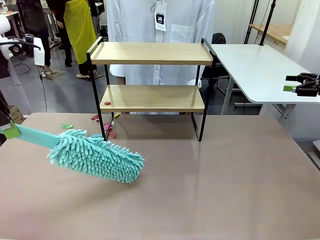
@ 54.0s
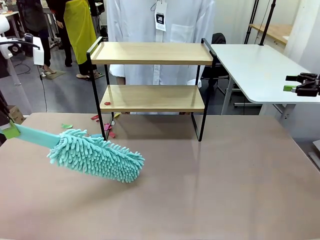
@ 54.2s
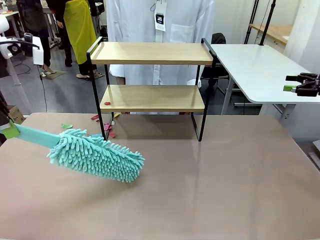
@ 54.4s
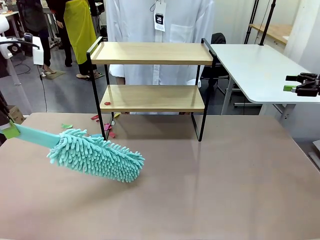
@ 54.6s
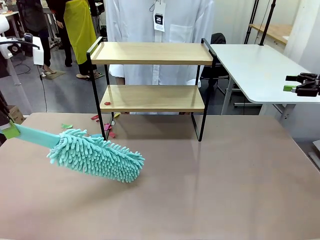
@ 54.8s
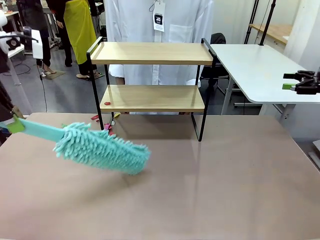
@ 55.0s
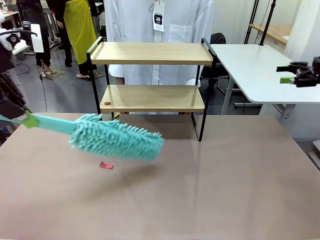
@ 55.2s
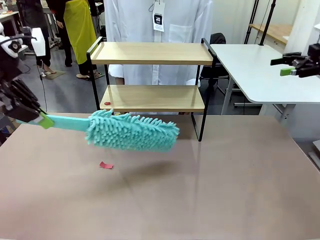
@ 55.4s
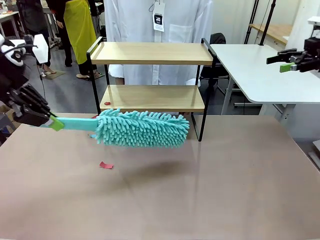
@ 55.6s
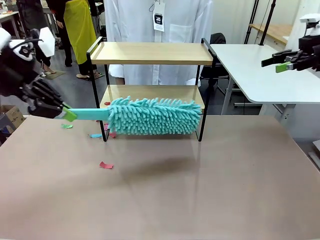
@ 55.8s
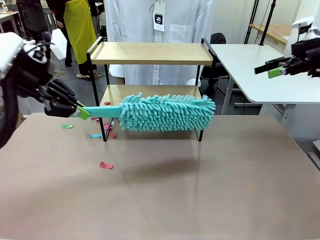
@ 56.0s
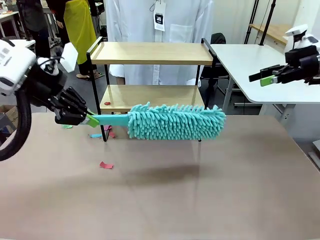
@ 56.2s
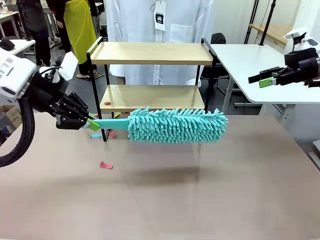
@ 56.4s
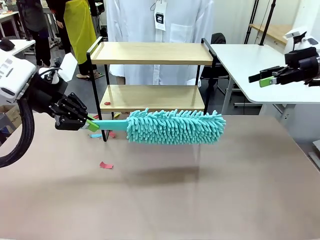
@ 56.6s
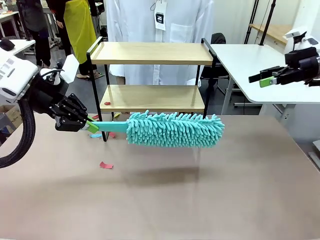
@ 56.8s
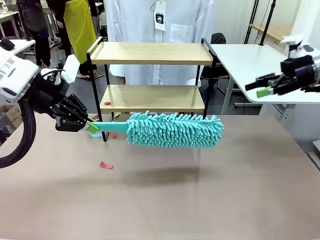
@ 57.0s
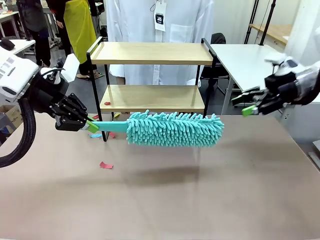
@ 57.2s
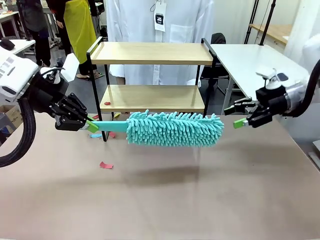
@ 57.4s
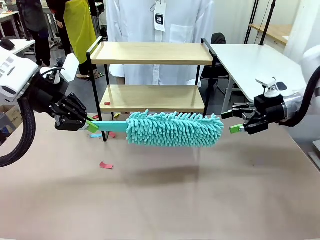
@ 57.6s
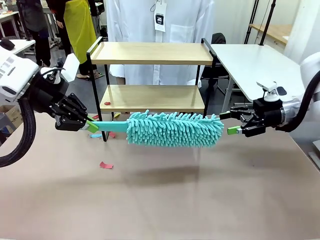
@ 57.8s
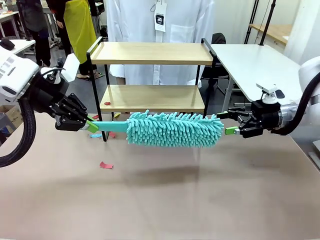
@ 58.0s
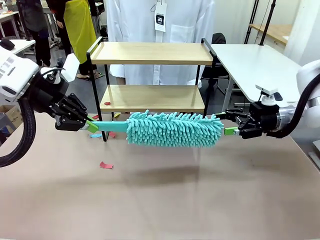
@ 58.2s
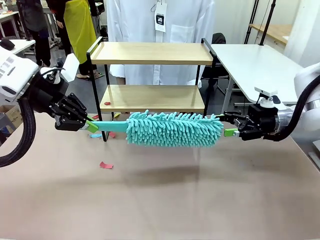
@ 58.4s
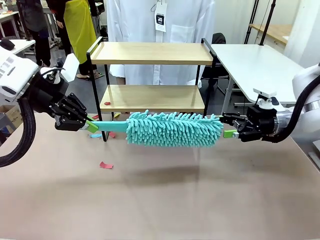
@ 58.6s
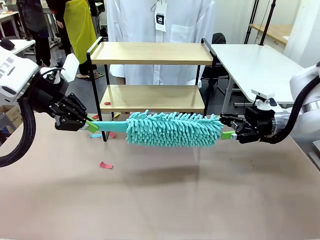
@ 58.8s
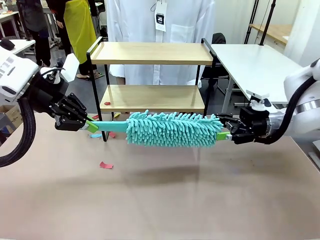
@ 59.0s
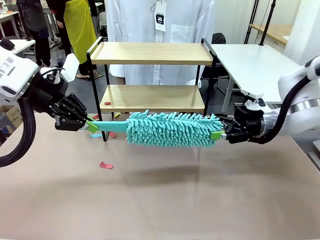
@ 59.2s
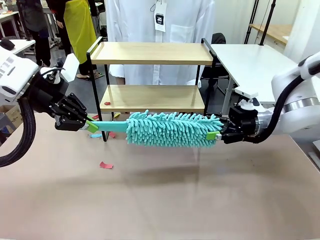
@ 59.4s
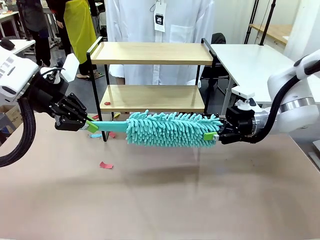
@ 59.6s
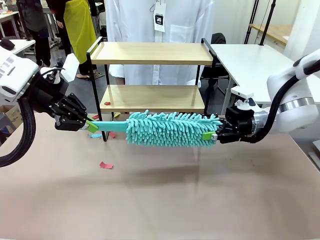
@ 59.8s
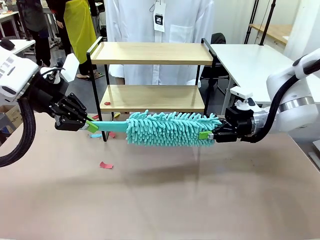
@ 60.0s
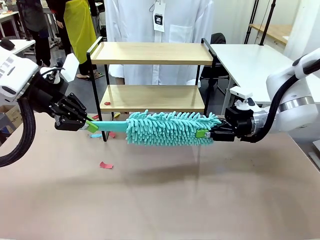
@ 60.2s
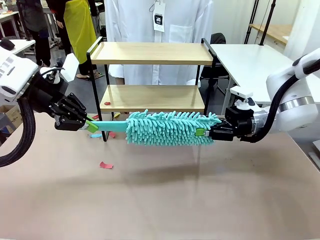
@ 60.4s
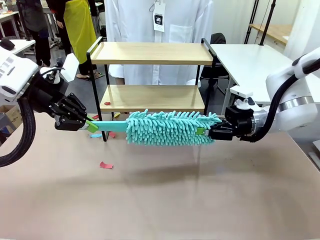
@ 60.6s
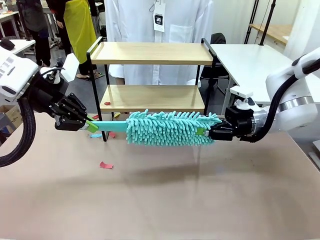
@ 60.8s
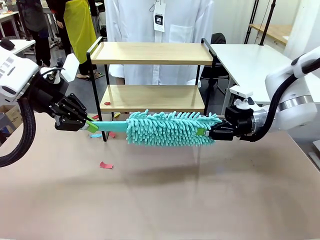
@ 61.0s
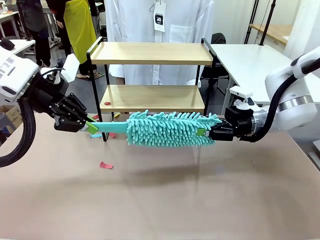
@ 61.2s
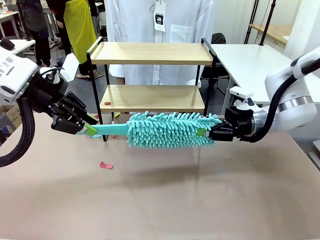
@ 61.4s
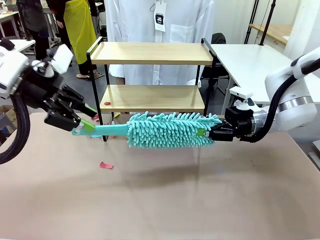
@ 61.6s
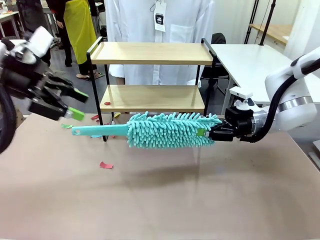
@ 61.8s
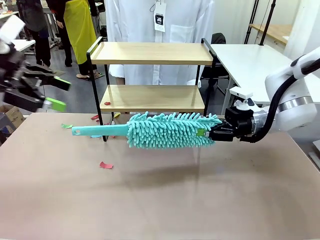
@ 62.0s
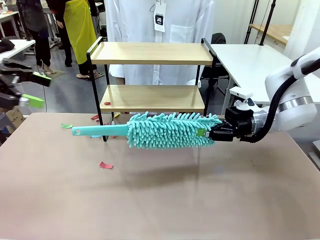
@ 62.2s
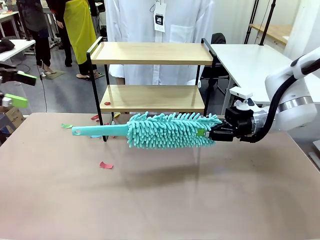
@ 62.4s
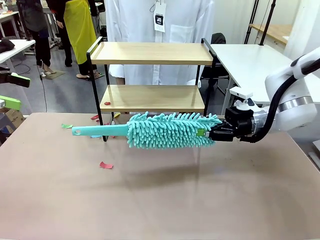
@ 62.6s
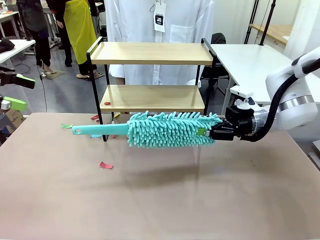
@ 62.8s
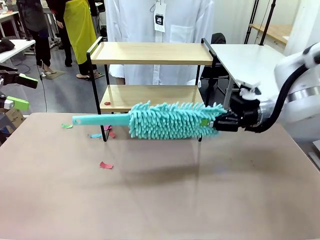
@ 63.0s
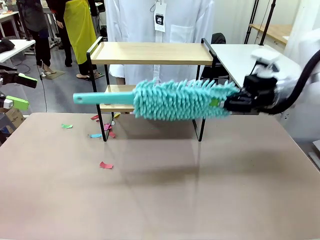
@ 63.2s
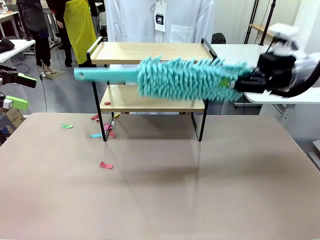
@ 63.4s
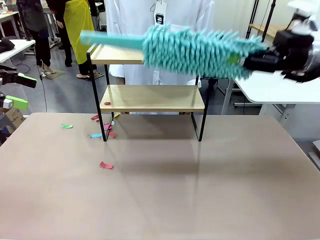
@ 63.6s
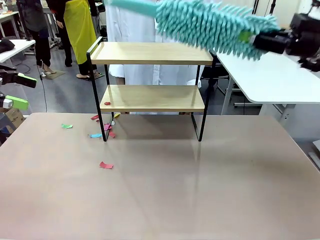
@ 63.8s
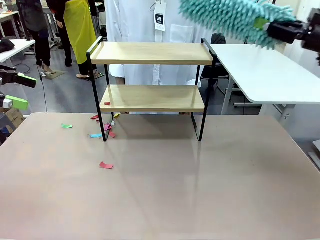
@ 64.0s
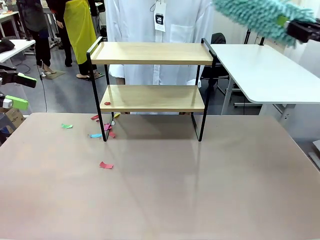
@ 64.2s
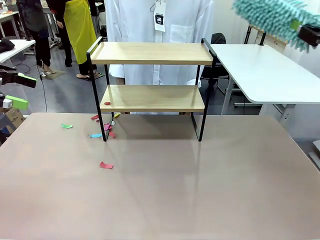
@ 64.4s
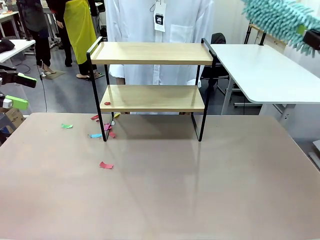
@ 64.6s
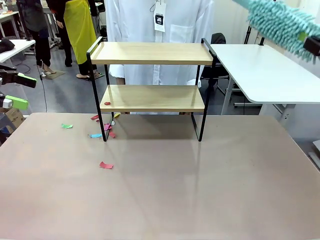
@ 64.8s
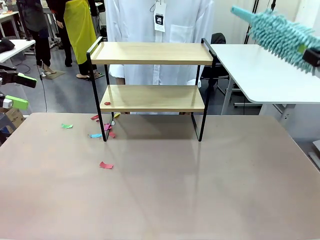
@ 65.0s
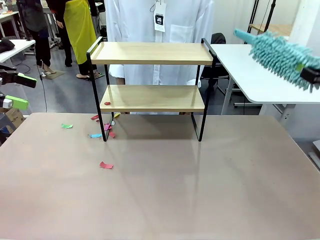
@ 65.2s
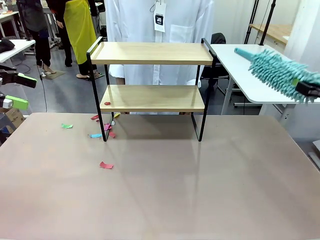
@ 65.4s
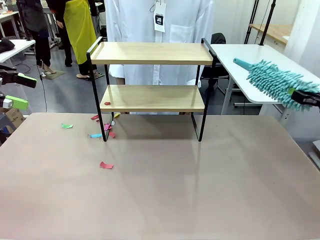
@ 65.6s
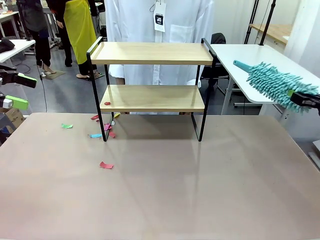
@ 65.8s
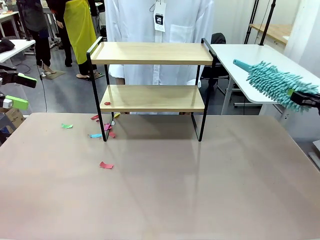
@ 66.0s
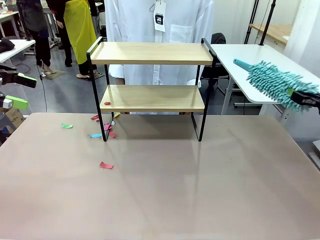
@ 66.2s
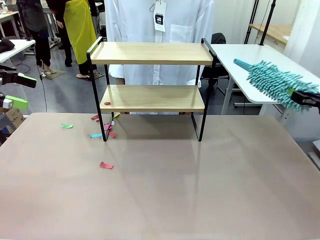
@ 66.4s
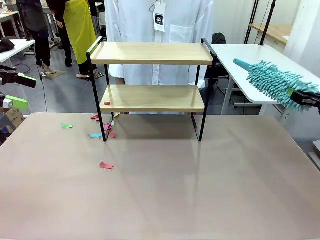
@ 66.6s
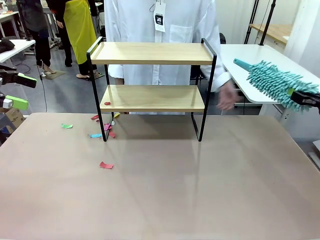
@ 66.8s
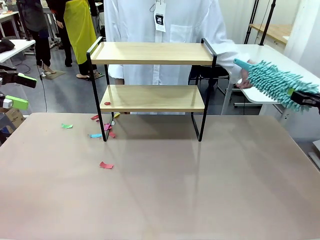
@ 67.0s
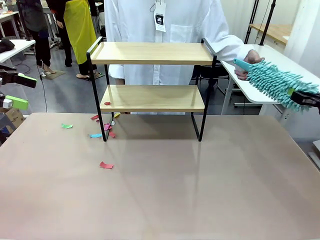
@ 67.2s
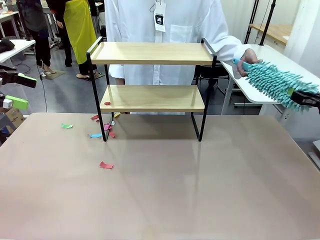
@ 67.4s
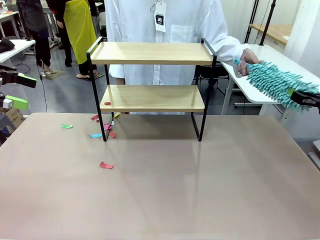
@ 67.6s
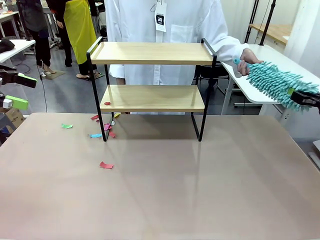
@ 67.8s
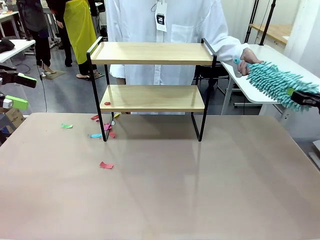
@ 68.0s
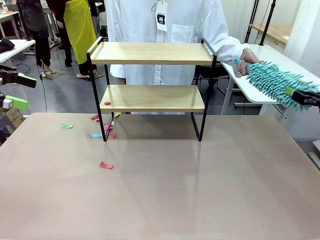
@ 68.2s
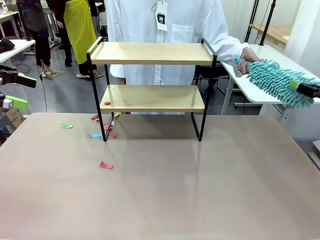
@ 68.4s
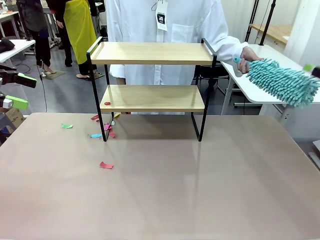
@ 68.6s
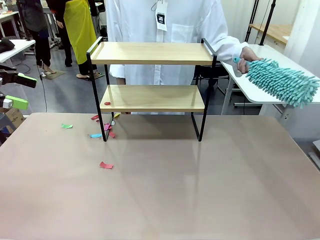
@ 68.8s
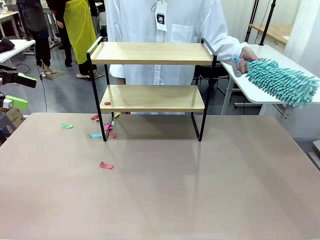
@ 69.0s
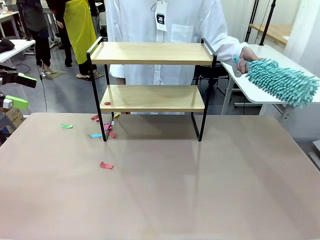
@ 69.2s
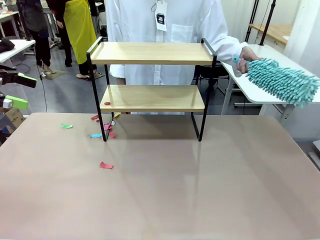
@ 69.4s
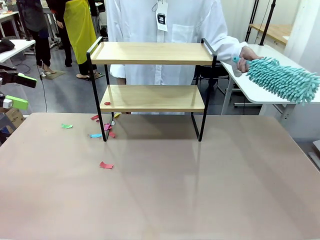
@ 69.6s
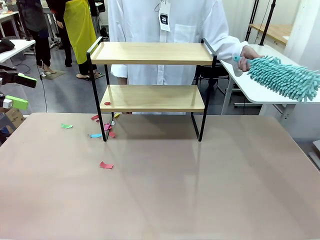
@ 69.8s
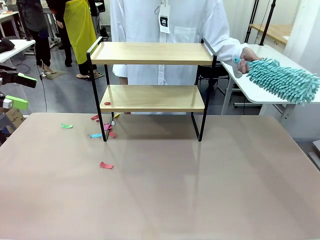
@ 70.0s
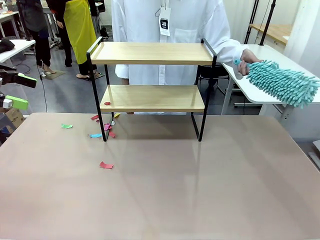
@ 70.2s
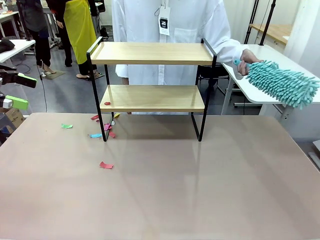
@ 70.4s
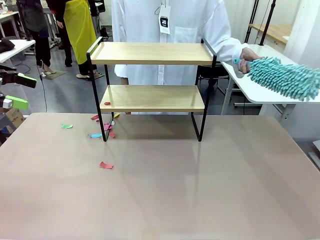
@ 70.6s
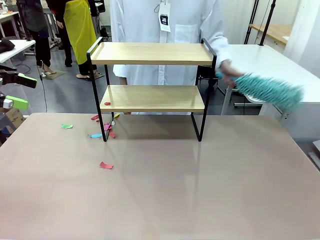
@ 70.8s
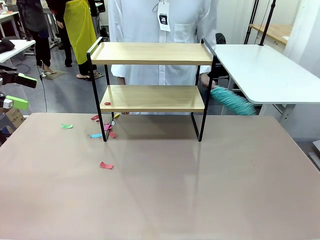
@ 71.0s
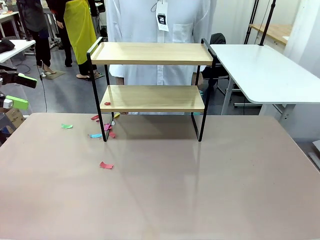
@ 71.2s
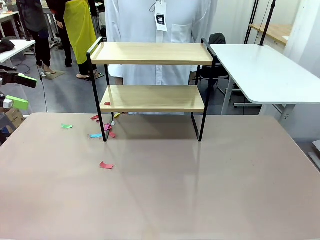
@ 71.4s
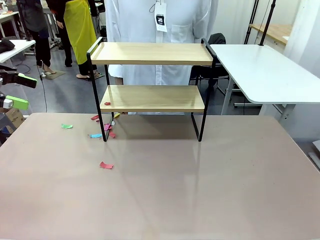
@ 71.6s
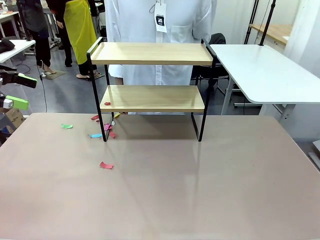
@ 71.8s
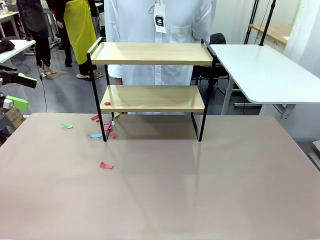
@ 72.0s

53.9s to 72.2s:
Task: Clean the shelf.
Robot: Hand the Duster back to the human.
Person: Receive the Duster from the robot.
